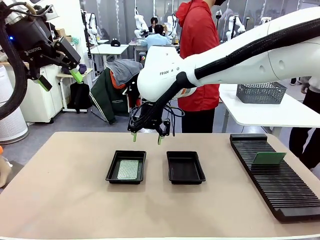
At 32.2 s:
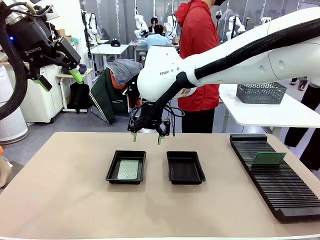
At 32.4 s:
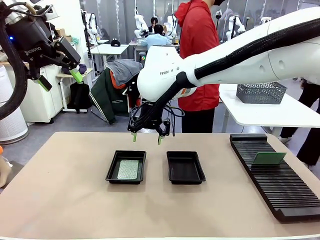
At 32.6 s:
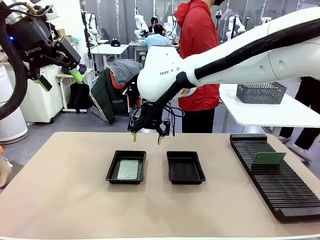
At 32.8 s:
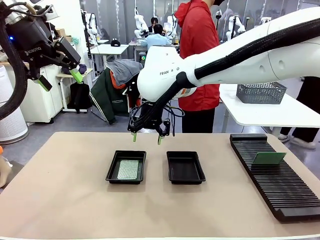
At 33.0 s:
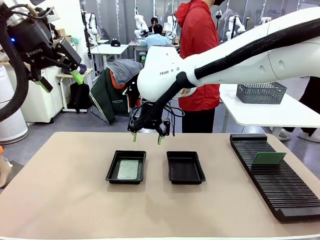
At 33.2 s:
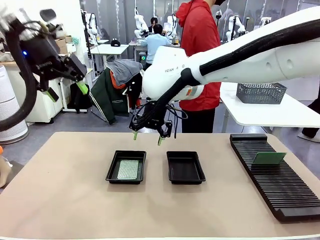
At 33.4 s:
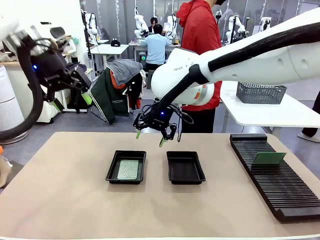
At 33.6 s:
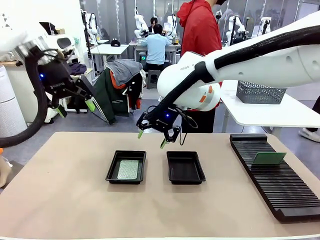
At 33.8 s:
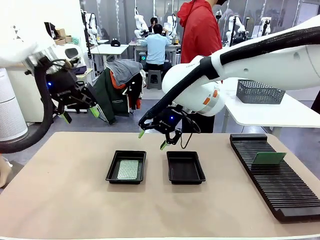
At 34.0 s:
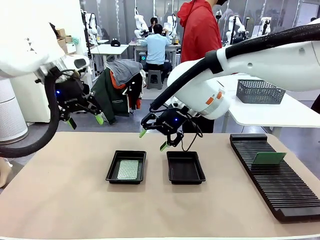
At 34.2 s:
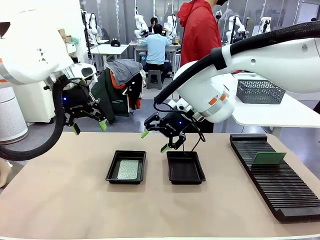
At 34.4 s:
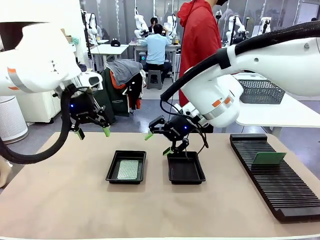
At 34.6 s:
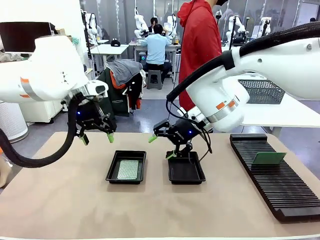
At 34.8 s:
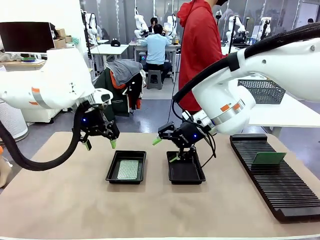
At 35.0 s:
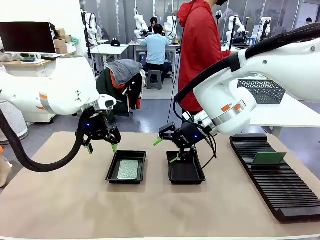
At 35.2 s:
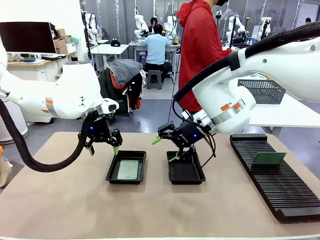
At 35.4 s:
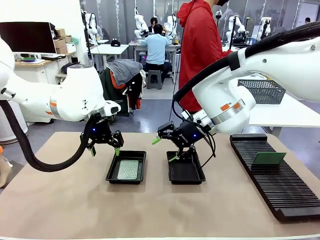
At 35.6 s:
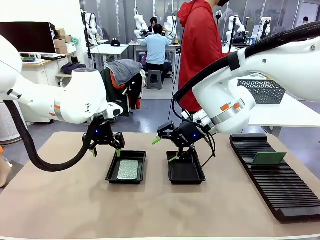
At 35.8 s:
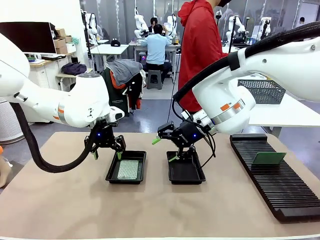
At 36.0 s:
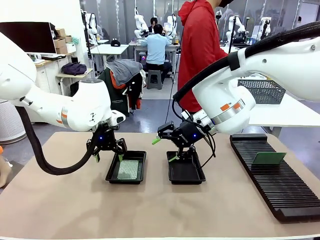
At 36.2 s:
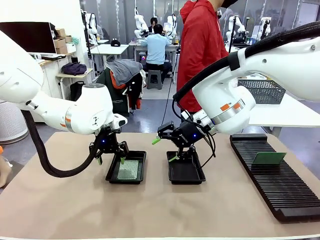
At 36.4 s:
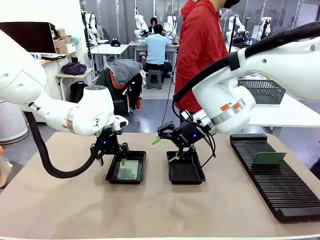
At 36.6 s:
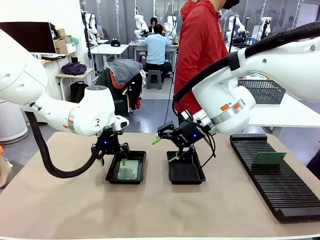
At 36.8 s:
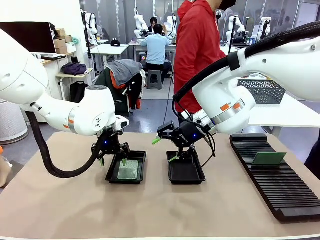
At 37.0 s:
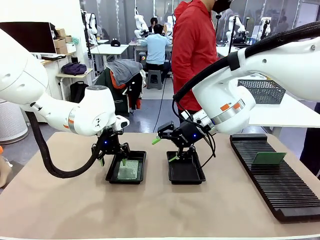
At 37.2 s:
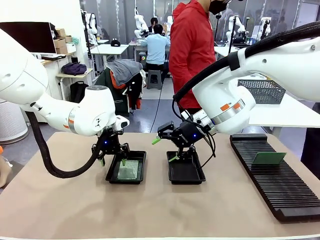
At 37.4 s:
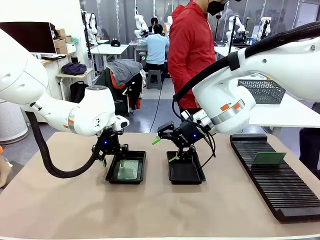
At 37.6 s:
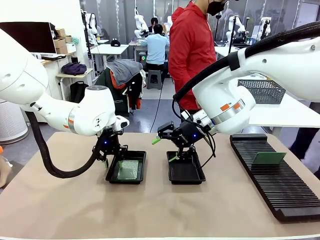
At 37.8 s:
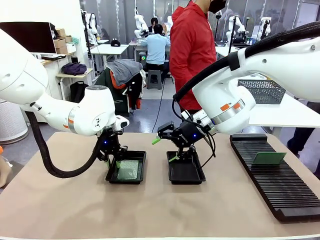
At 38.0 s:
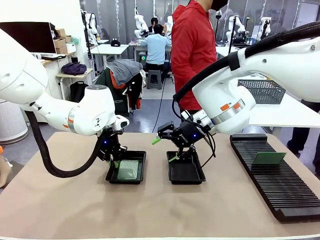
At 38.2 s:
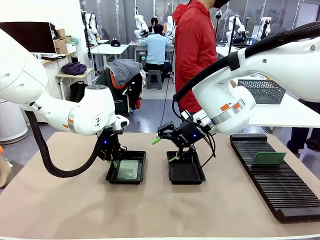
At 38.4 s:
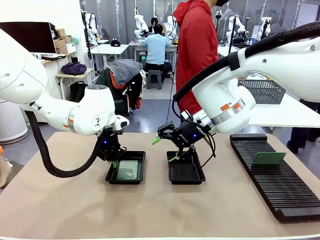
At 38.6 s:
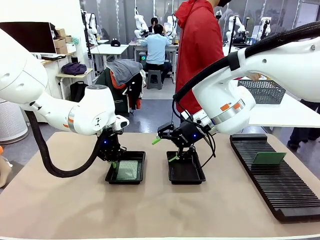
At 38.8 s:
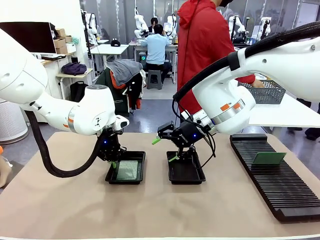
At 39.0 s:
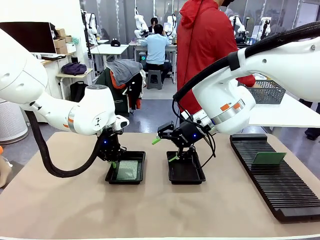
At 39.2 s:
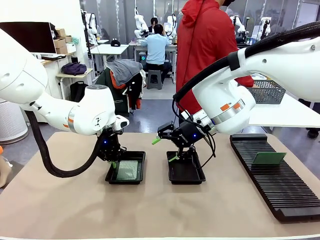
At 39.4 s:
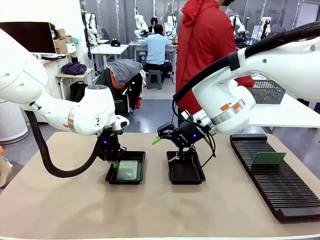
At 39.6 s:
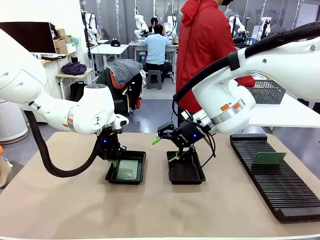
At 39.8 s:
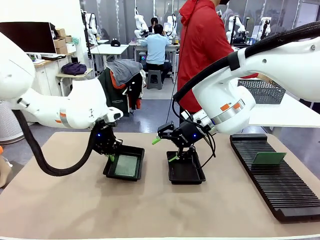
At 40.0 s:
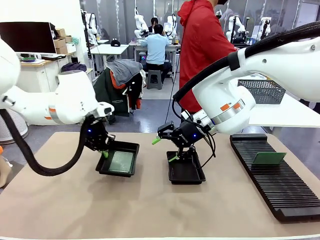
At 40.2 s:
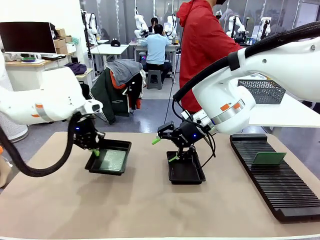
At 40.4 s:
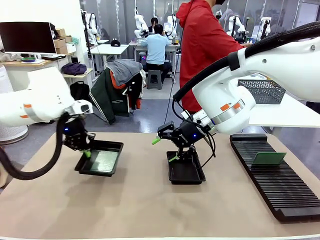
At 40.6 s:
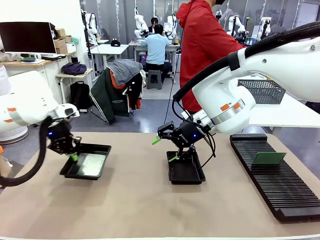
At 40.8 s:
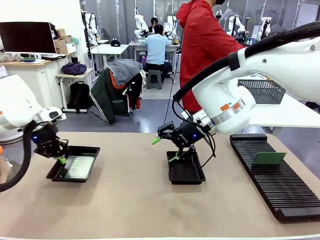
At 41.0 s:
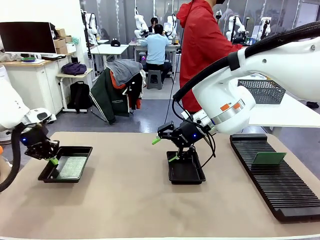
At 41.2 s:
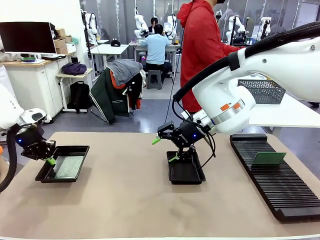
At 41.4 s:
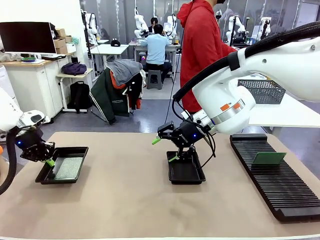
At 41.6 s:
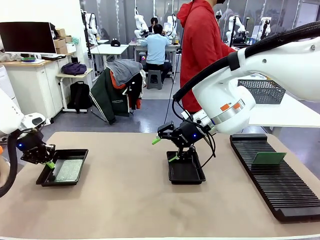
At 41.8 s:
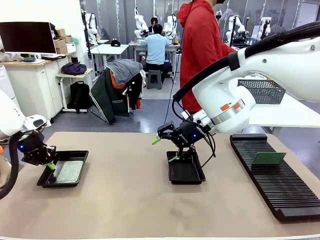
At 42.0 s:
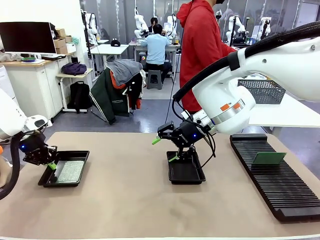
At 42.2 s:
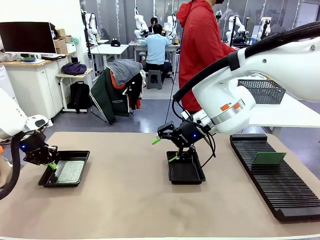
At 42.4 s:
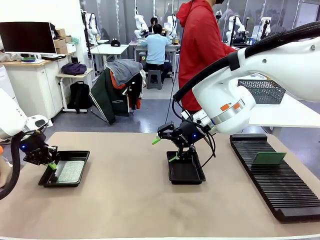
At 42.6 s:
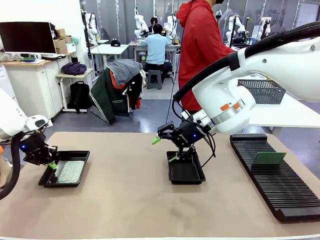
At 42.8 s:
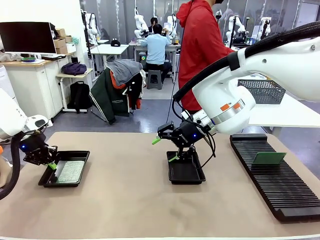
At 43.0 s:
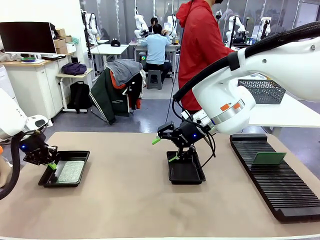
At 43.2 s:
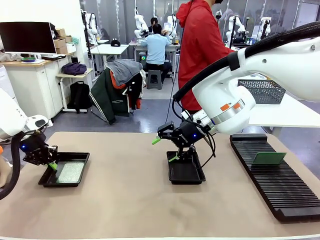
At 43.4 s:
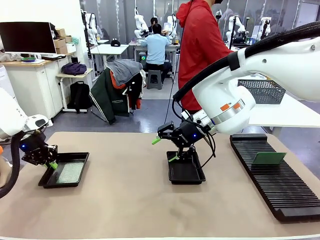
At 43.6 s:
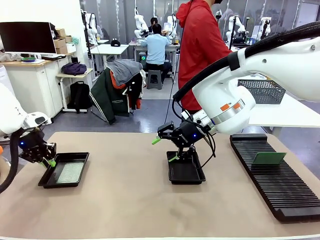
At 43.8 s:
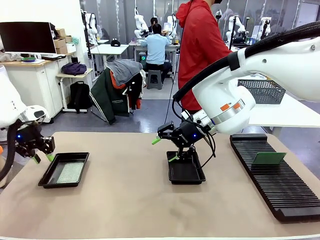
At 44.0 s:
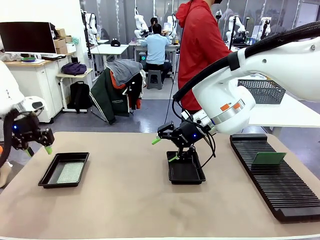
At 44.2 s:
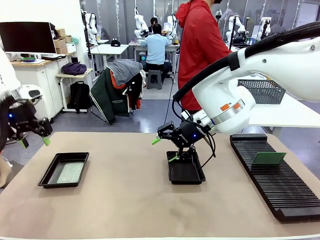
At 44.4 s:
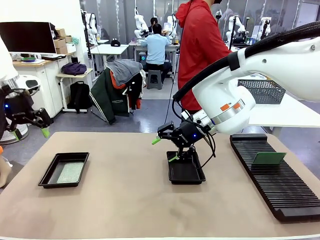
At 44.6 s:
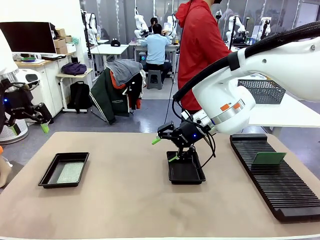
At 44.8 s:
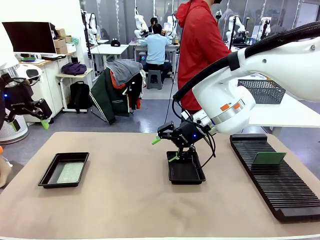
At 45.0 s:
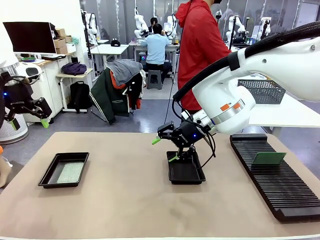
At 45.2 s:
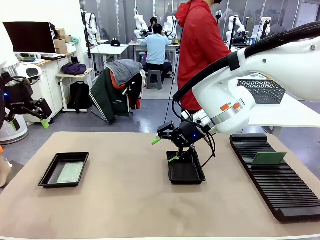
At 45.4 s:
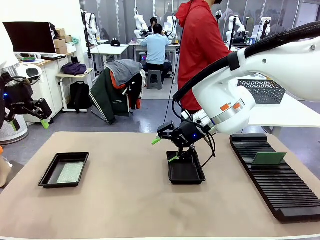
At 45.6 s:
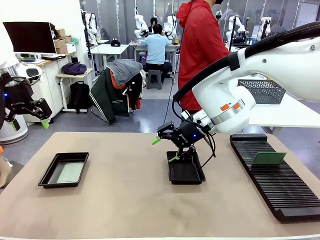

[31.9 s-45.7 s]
Task: Inspect and transfer BCBs to ESD trays.
Robot: Pick up the ESD tray and place it on the left side of the table.
